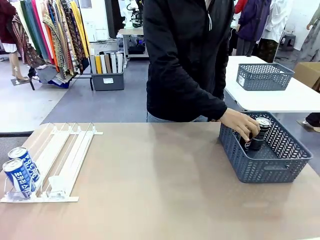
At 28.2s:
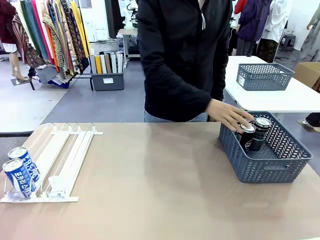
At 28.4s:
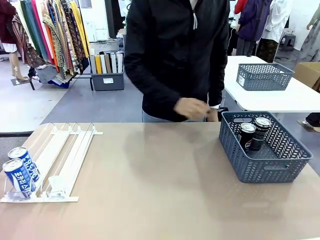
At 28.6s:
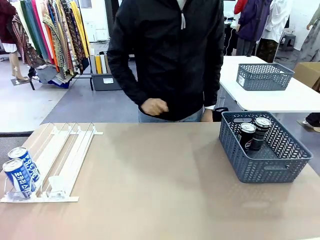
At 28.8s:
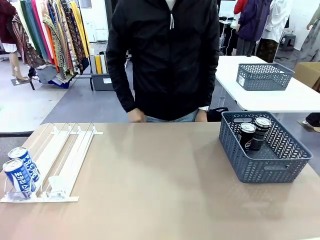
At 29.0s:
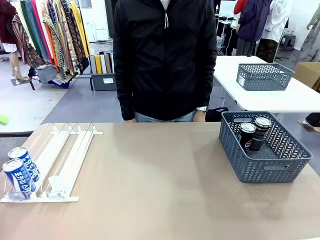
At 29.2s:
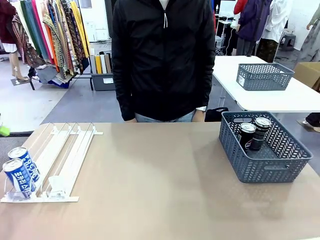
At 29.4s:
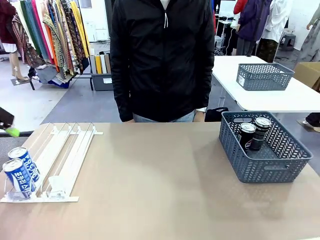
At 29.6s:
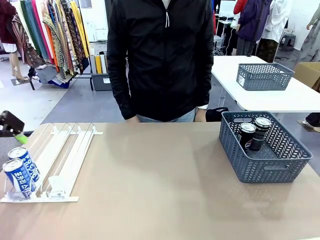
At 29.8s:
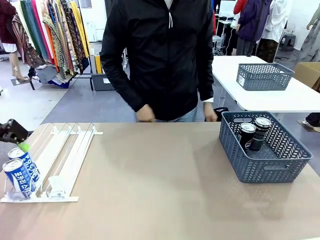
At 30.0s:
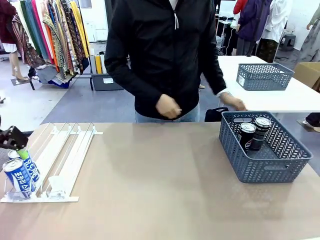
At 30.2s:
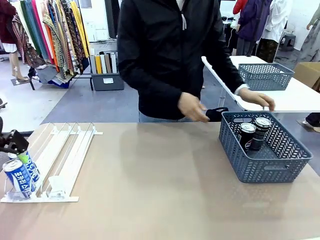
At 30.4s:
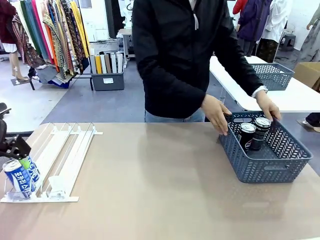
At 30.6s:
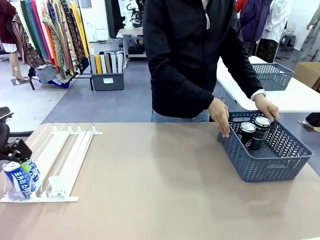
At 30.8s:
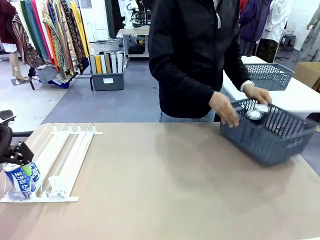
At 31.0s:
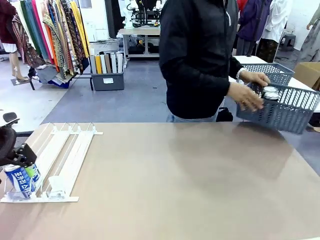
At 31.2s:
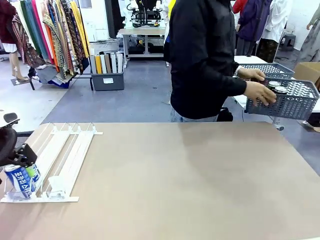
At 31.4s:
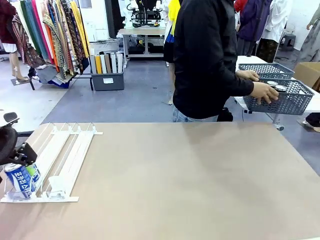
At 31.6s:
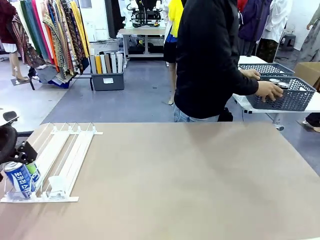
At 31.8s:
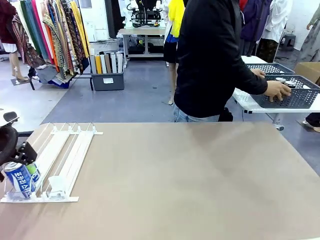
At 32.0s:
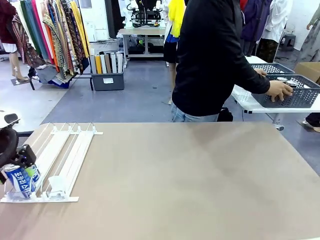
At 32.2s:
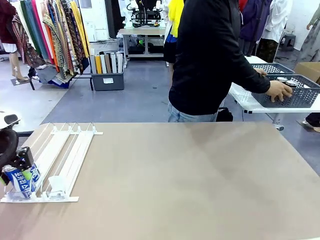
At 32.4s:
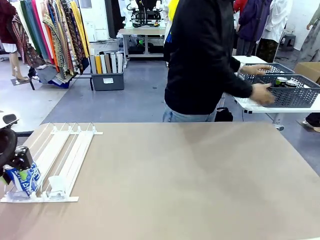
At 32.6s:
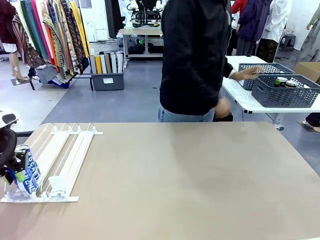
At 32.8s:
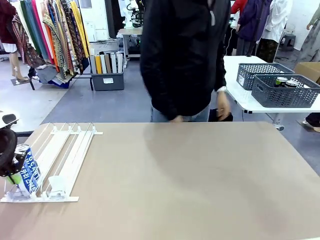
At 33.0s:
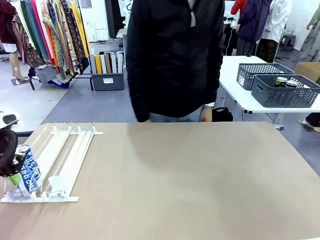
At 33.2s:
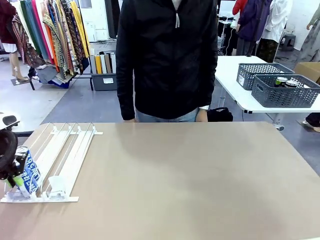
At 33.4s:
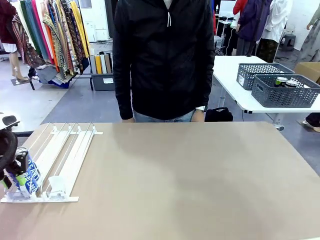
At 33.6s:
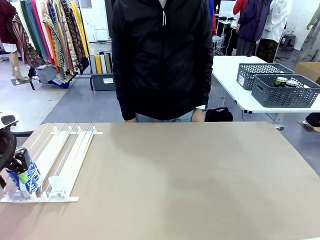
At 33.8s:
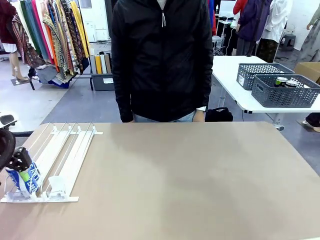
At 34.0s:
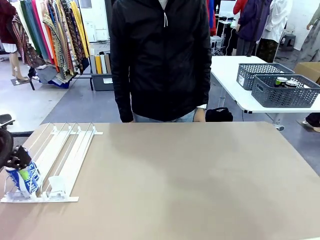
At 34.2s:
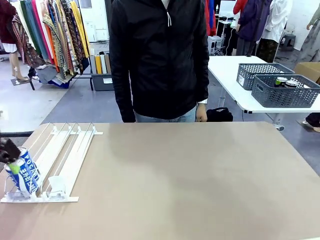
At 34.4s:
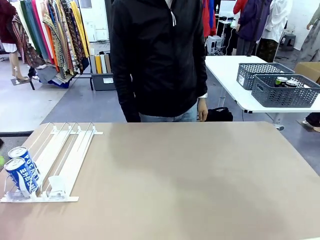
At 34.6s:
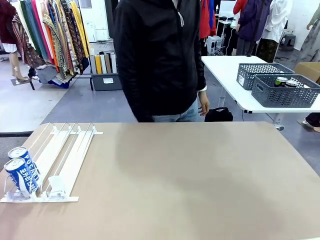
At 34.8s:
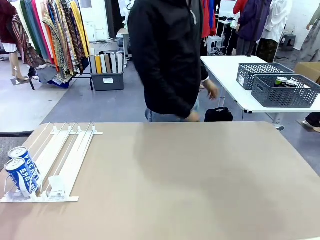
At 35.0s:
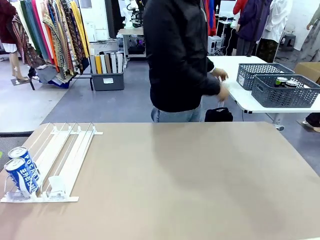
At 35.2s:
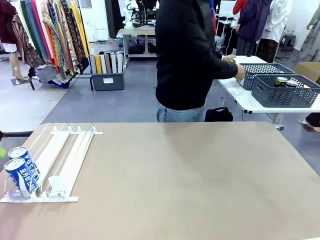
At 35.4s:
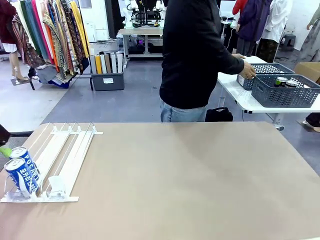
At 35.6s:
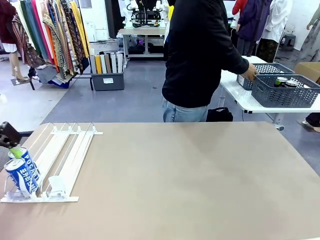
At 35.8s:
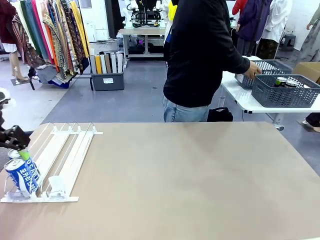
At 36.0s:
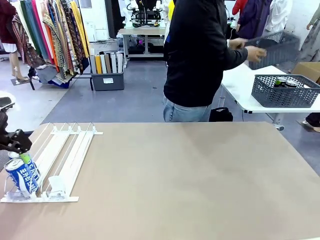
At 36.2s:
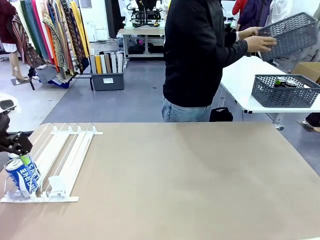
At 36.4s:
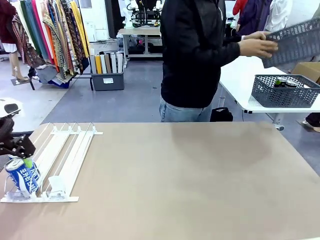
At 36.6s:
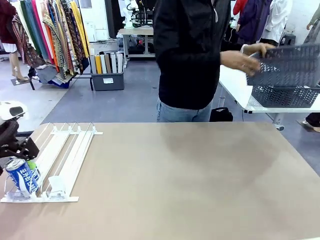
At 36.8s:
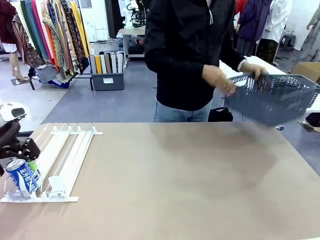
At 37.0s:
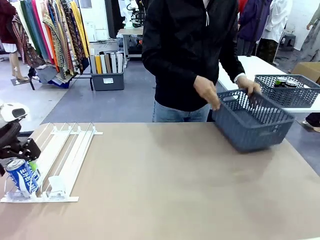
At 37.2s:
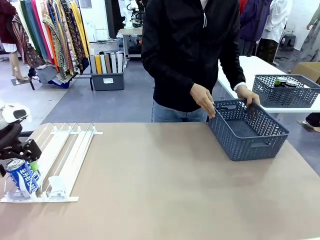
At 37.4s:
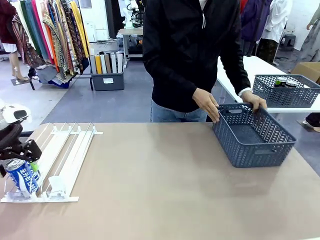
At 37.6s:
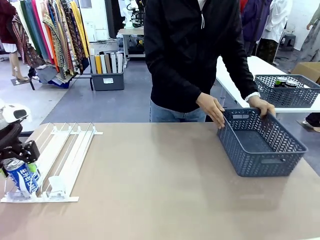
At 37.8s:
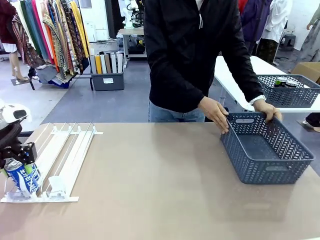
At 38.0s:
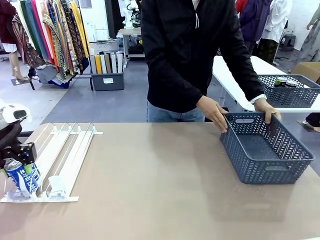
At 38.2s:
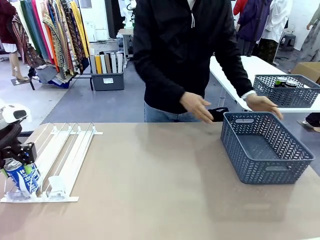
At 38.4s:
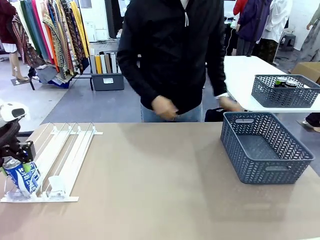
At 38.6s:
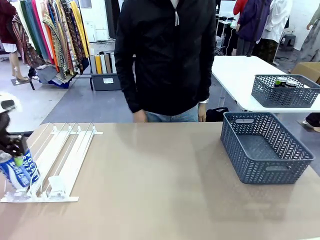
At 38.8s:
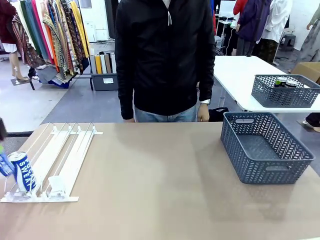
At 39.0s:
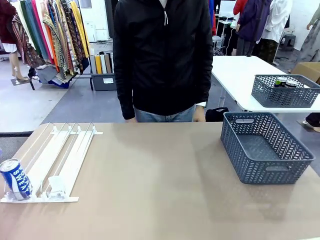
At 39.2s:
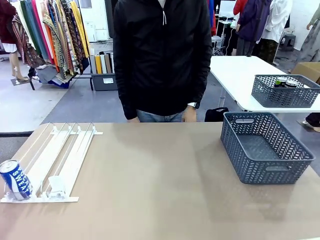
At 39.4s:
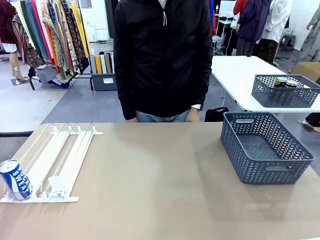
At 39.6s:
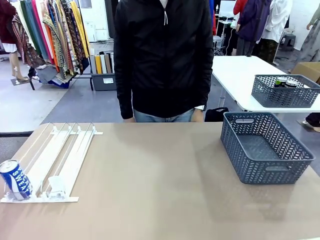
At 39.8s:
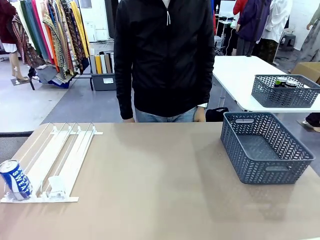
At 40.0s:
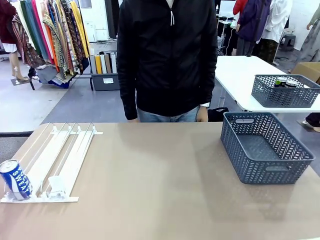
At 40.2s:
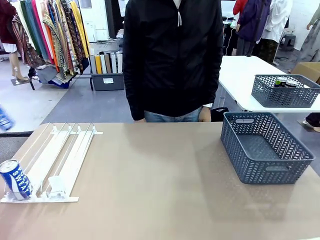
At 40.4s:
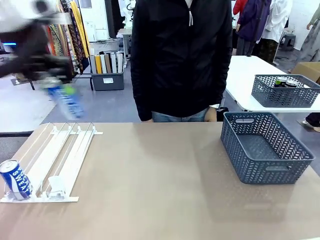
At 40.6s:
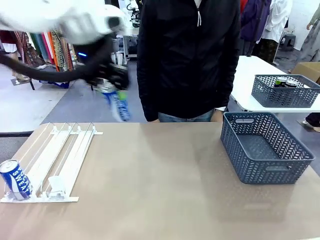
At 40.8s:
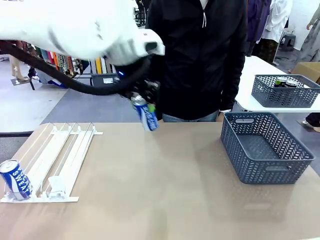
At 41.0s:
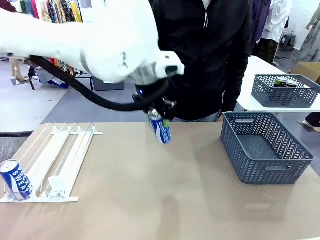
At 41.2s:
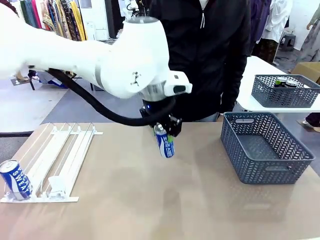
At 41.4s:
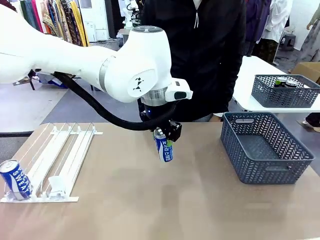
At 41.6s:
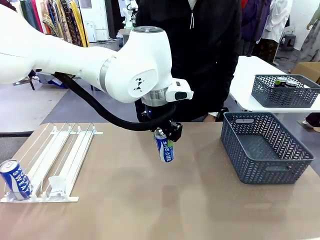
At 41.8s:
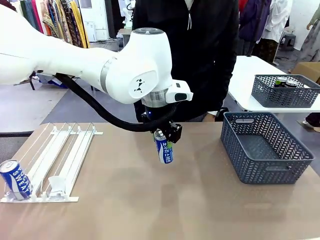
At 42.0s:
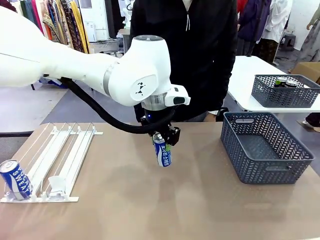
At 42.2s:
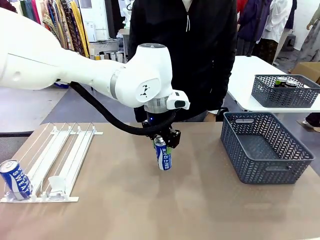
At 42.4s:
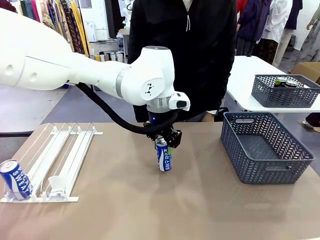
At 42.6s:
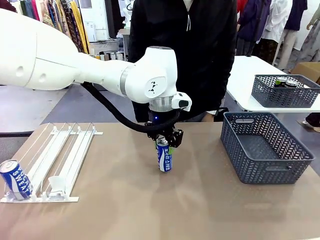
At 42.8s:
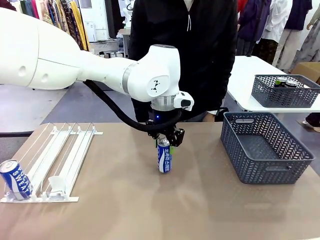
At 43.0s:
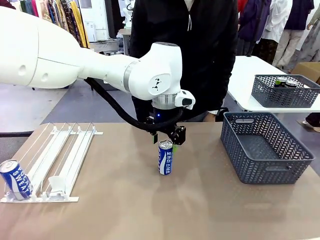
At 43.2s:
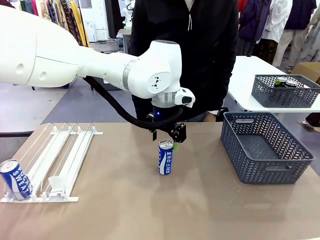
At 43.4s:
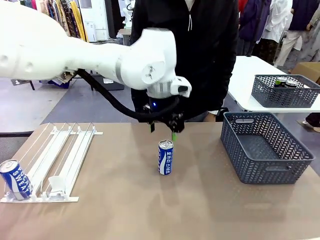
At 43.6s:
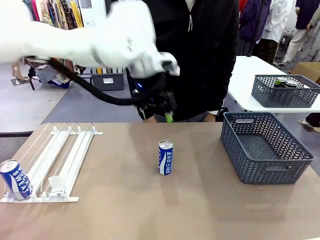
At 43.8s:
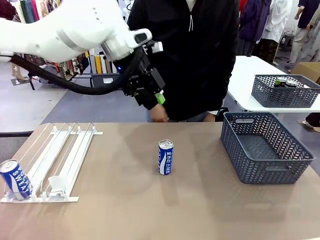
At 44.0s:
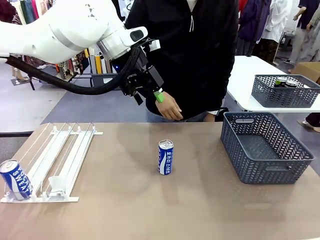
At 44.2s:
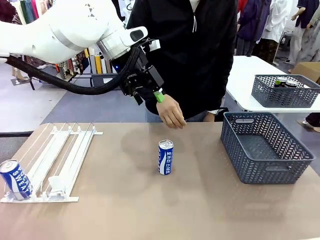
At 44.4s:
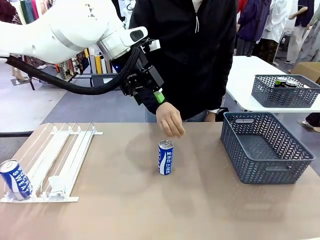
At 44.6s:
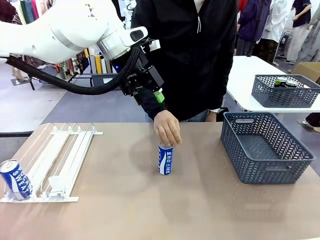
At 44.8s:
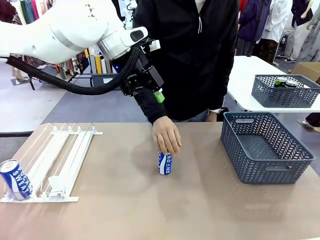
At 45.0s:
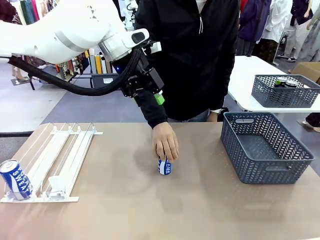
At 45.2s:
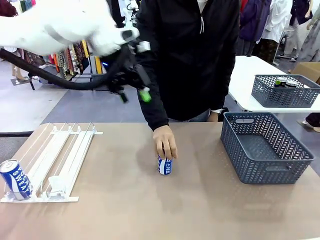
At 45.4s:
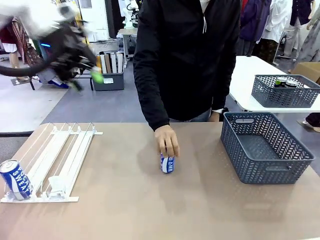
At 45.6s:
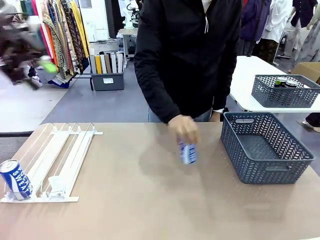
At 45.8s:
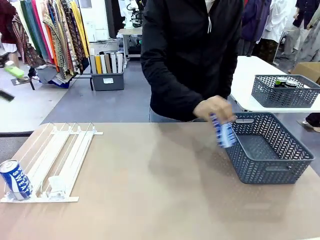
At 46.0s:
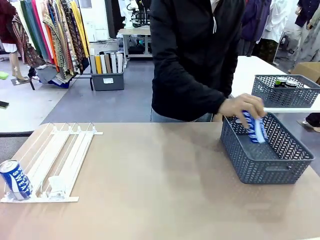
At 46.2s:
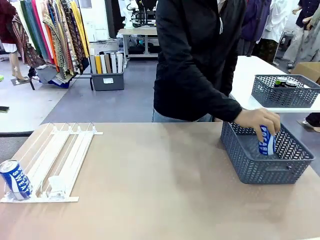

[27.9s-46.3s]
Task: Retrieve and store the cans from the dispenser.
Robot: Pick up one can from the Automatic Can Dispenser and place it in the middle of the table.
Person: Pick up the basket and place it in the middle of the human table. Pick up the empty basket and place it on the left side of the robot table.
